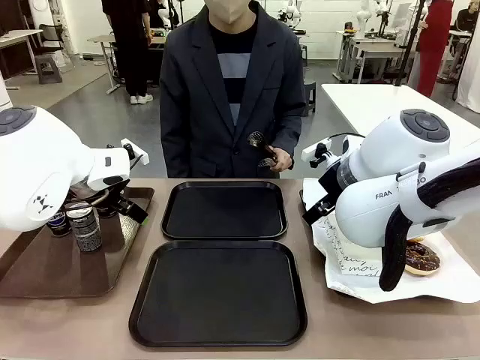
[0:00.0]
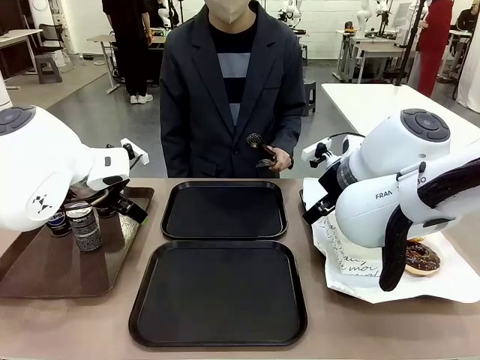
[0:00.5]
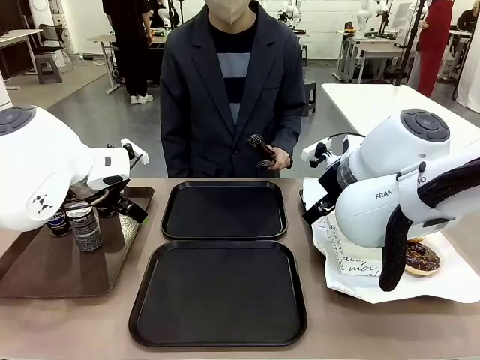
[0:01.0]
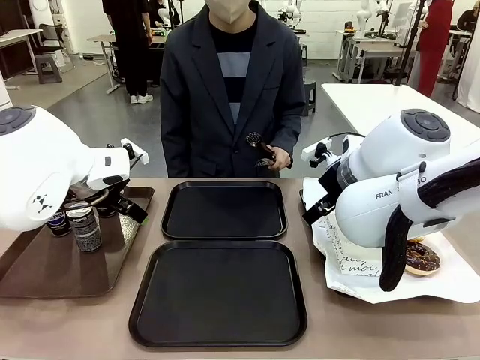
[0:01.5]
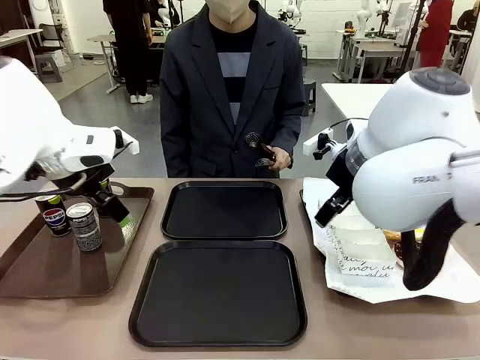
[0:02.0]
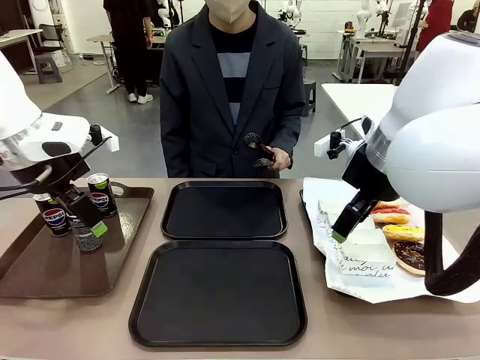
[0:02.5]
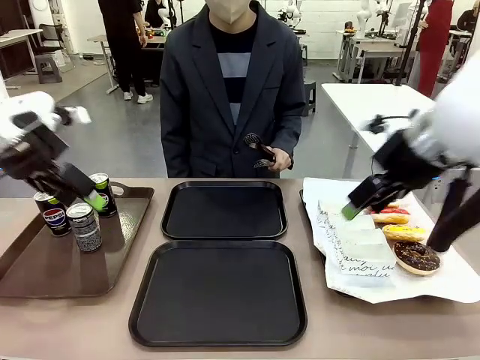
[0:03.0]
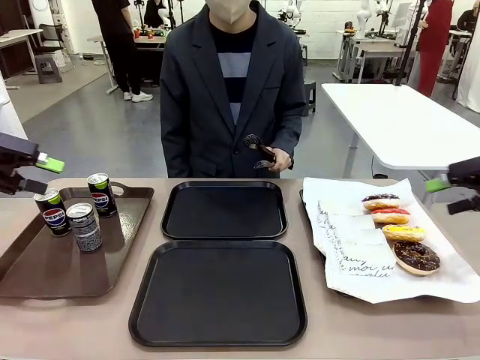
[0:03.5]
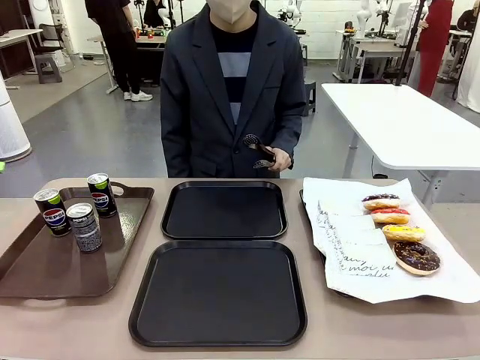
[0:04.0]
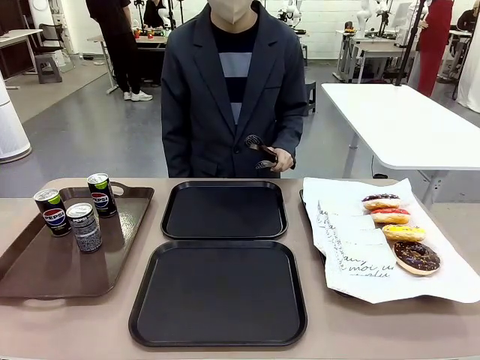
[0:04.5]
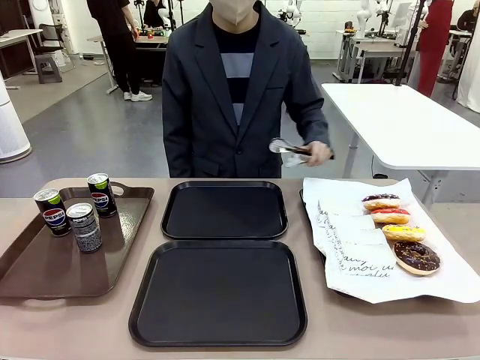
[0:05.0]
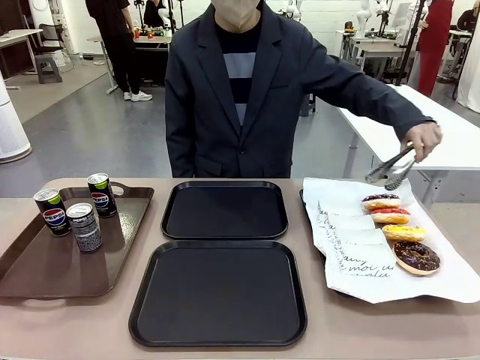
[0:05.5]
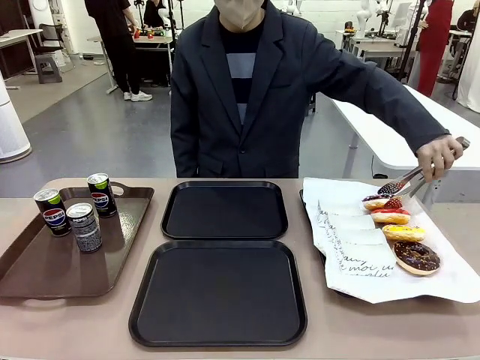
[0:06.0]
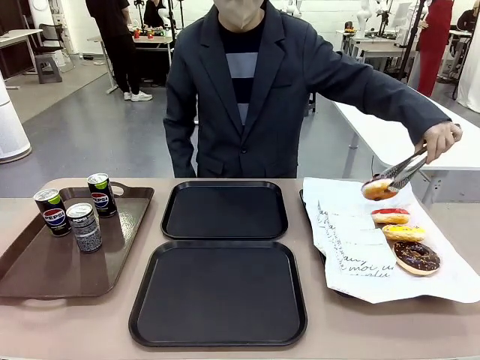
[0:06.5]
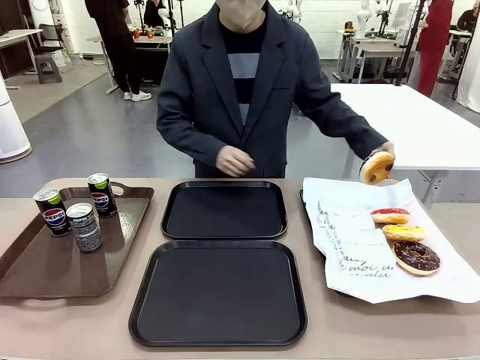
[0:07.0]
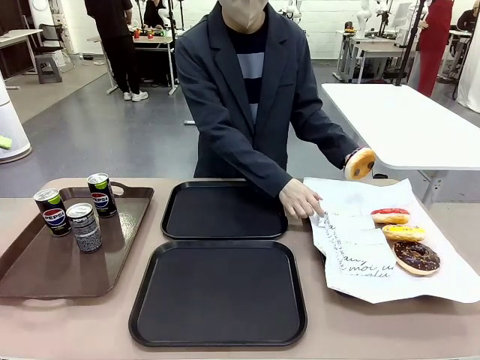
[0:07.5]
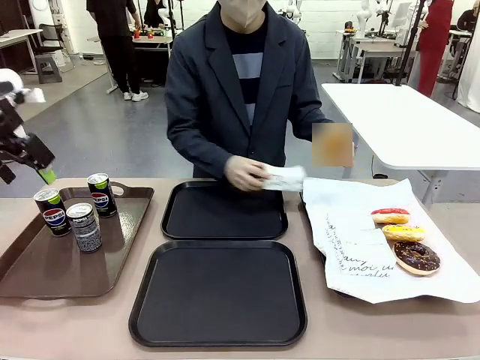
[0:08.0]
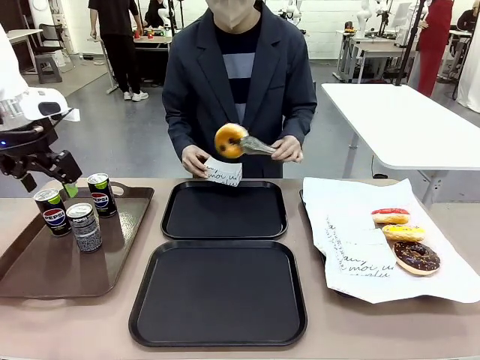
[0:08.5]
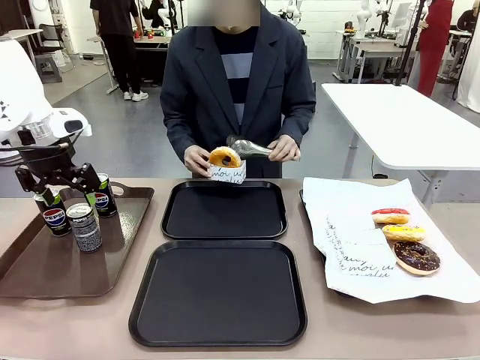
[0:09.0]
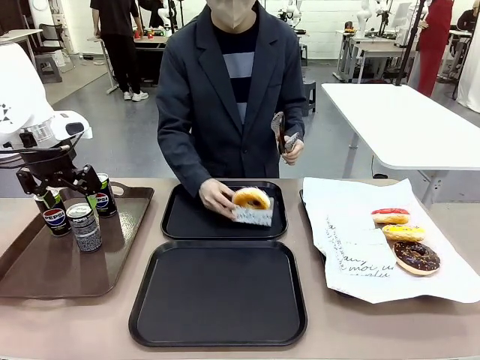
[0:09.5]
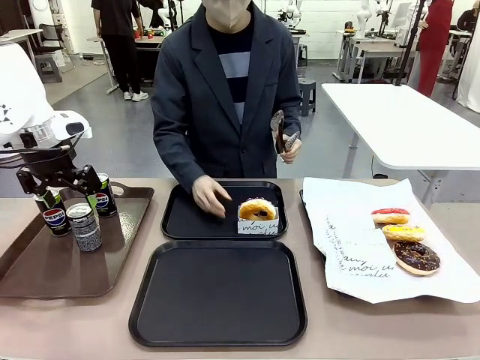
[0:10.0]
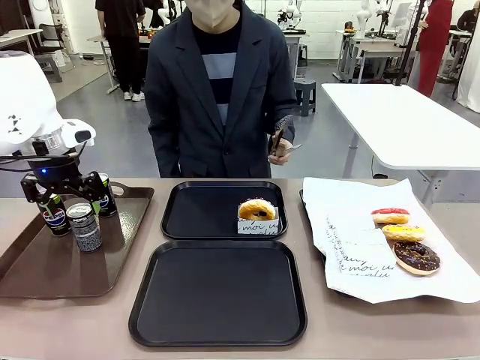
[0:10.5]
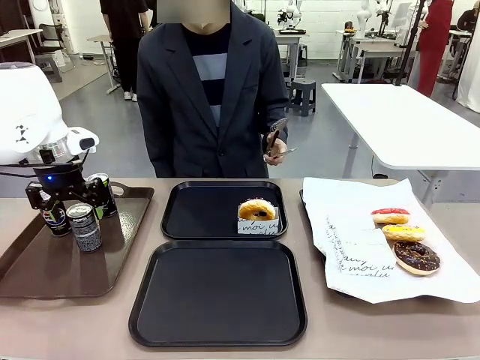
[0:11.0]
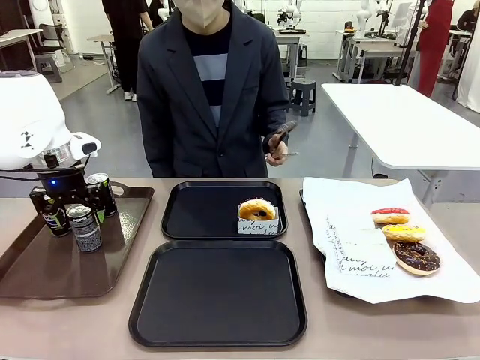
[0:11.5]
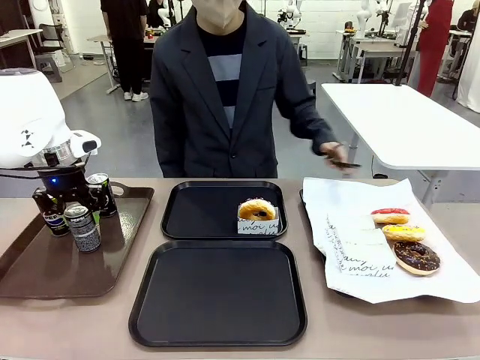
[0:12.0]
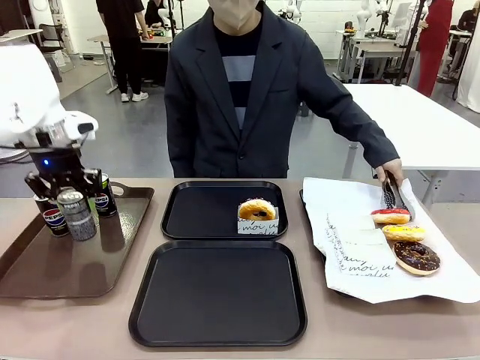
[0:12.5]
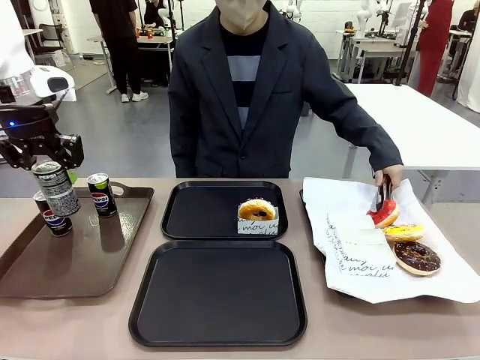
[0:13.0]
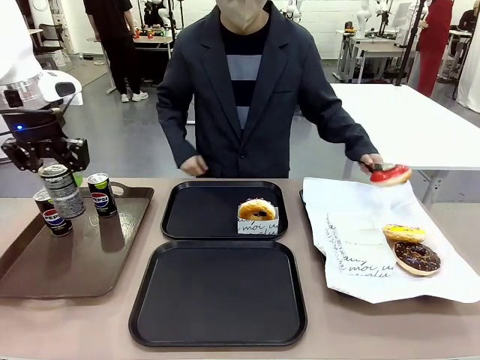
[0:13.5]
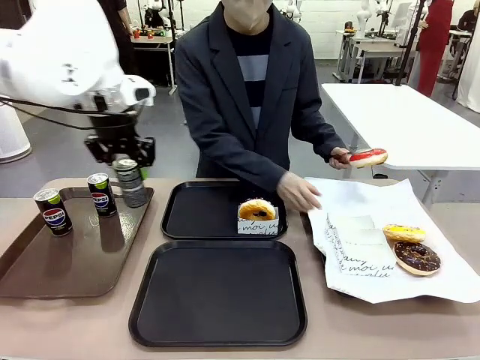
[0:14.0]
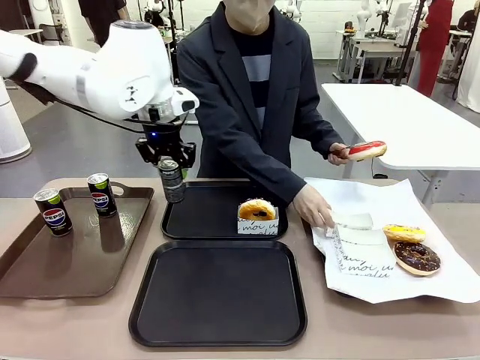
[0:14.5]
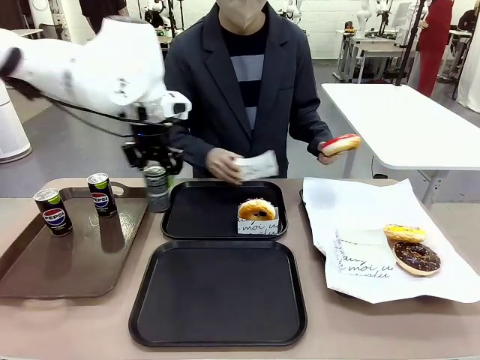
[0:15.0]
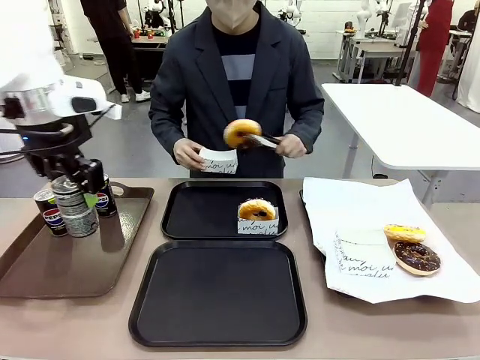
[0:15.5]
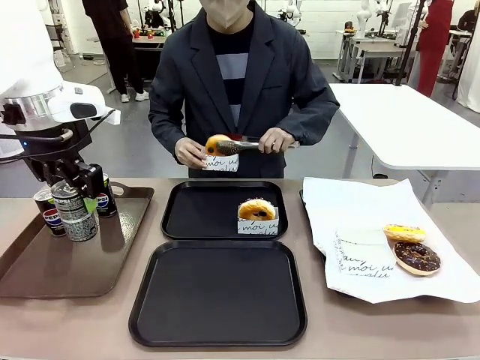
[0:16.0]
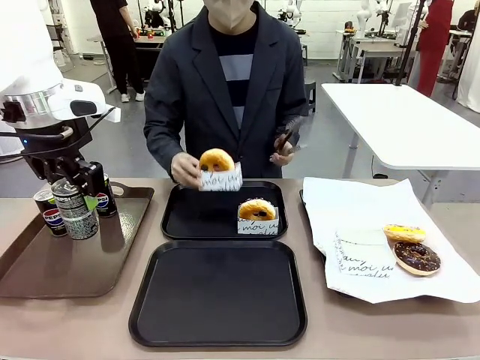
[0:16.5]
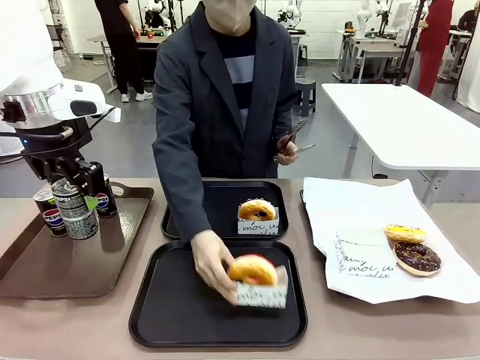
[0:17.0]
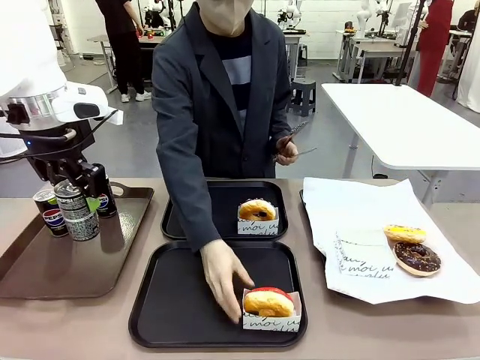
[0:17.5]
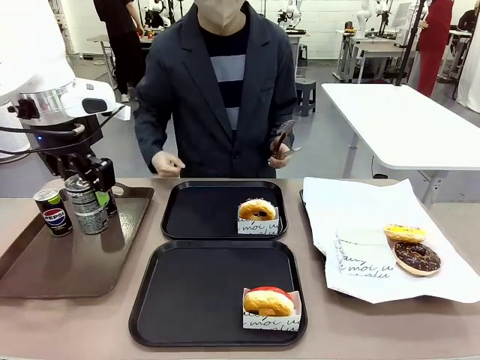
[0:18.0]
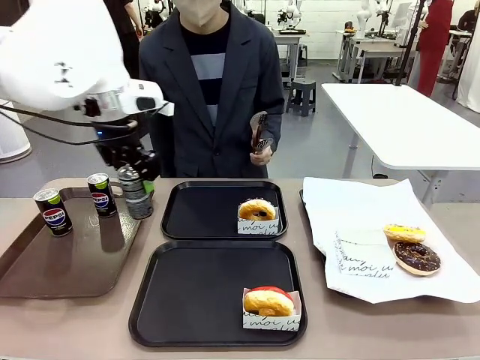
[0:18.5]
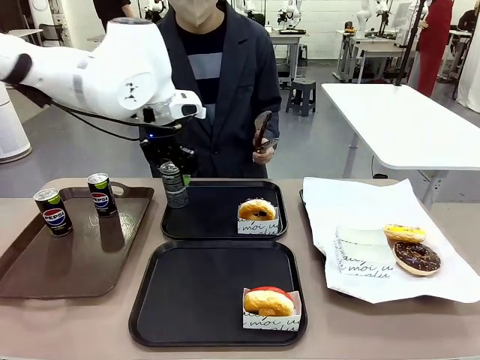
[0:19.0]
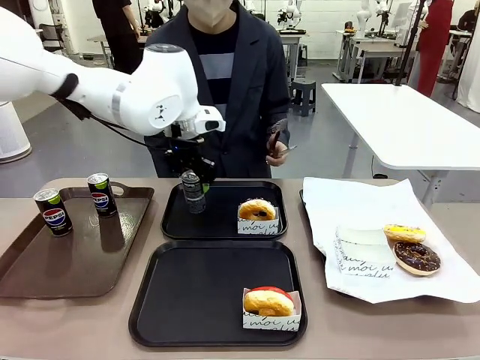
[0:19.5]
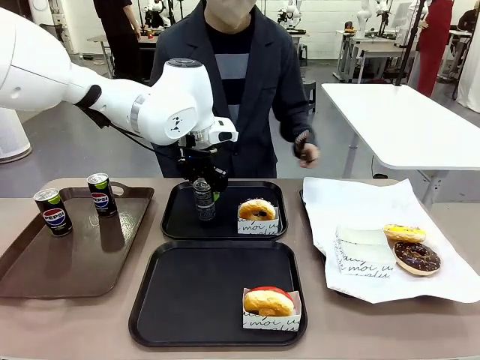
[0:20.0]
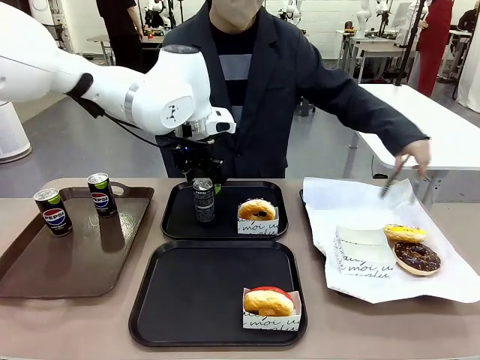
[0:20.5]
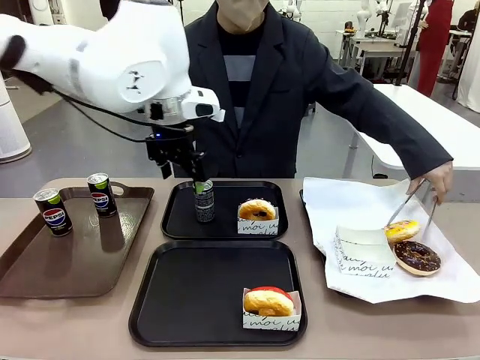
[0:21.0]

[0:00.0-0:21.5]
Task: Set up donuts and drinks on trays.
Robot: Pick up one Pepsi coke and place it on the Flat Tray.
Person: Pick up one donut with tongs, place it in the donut tray, and then place the donut tray on the flat tray.
